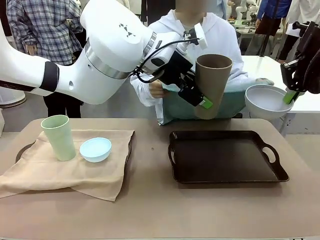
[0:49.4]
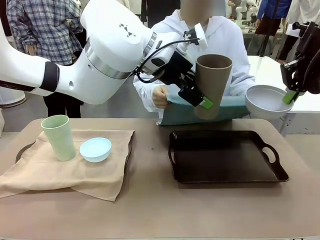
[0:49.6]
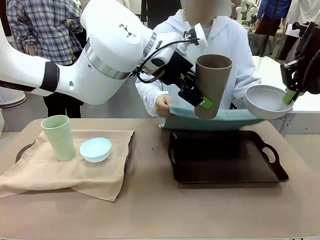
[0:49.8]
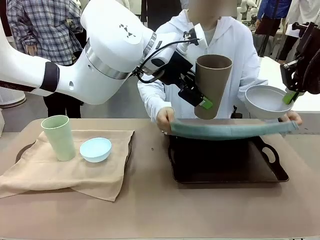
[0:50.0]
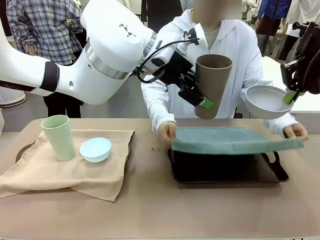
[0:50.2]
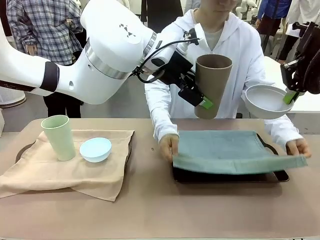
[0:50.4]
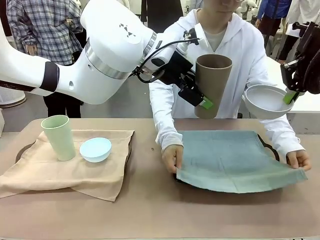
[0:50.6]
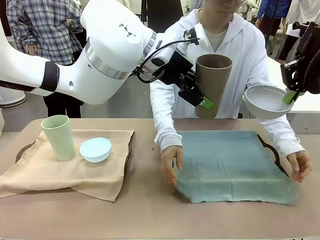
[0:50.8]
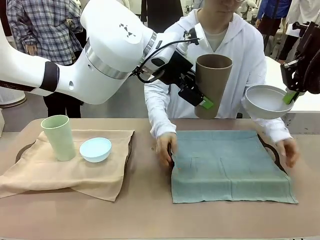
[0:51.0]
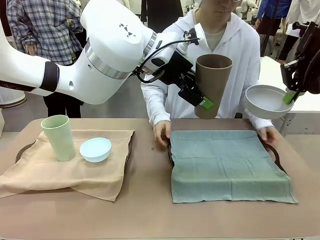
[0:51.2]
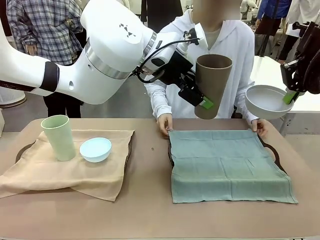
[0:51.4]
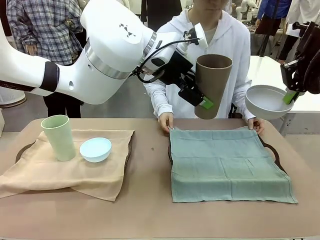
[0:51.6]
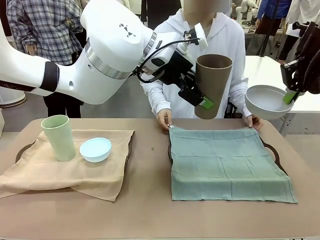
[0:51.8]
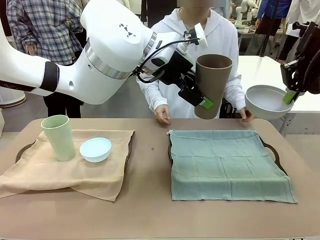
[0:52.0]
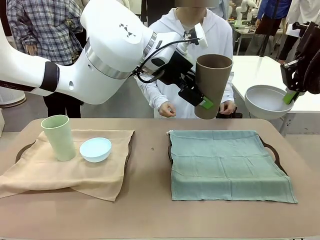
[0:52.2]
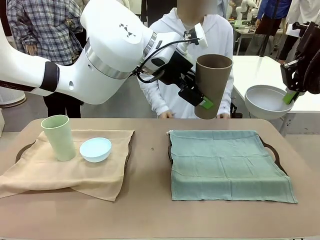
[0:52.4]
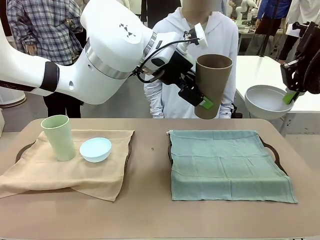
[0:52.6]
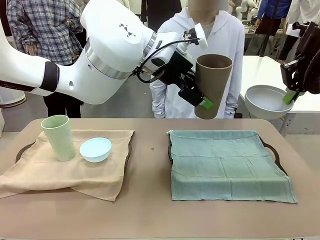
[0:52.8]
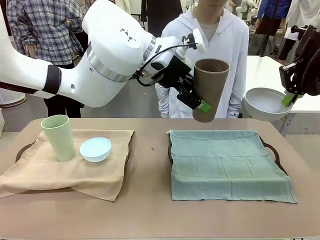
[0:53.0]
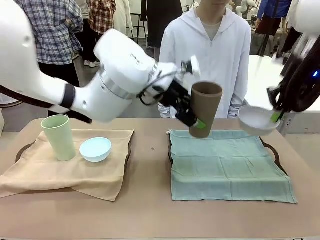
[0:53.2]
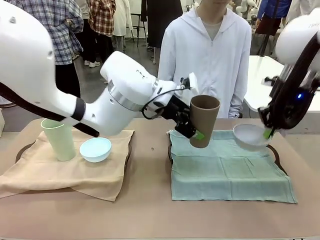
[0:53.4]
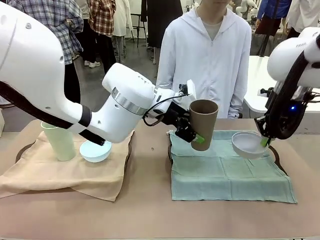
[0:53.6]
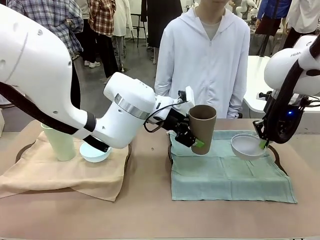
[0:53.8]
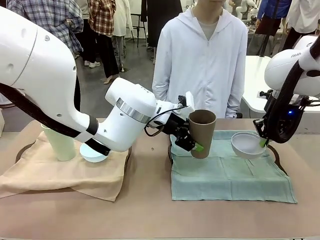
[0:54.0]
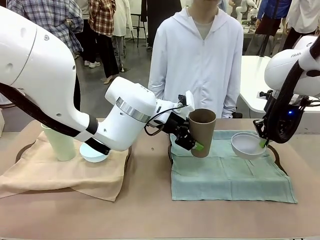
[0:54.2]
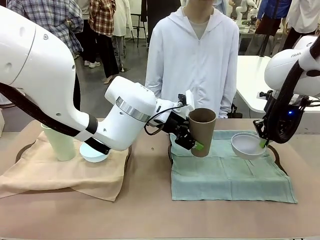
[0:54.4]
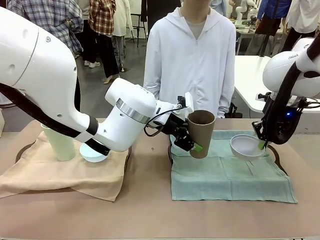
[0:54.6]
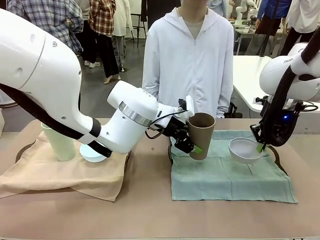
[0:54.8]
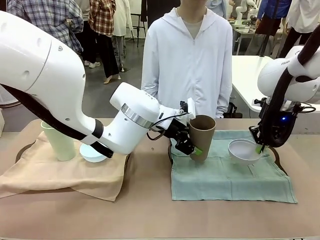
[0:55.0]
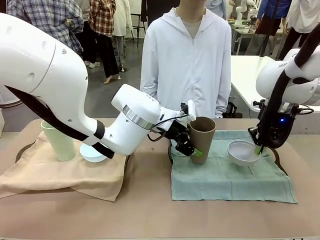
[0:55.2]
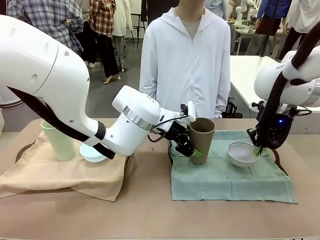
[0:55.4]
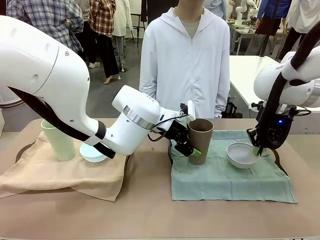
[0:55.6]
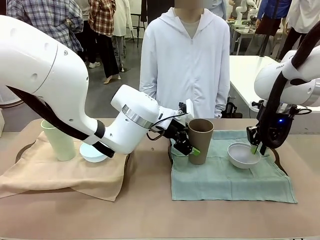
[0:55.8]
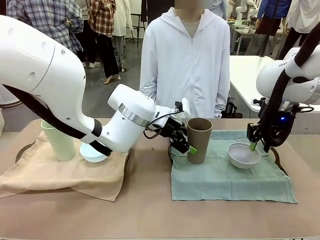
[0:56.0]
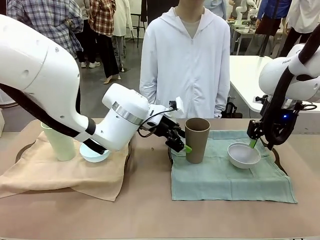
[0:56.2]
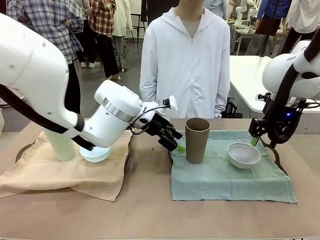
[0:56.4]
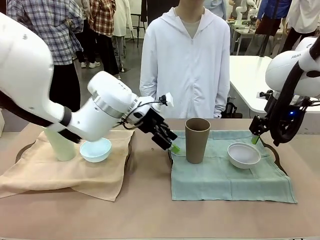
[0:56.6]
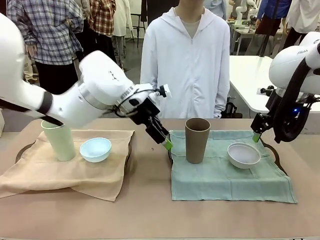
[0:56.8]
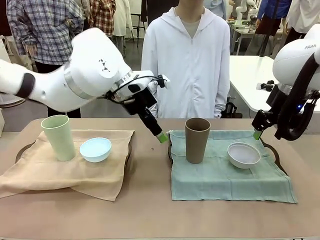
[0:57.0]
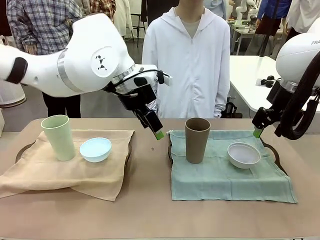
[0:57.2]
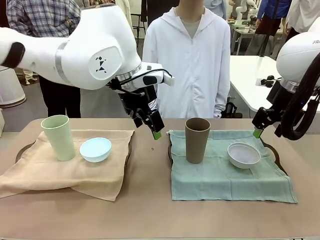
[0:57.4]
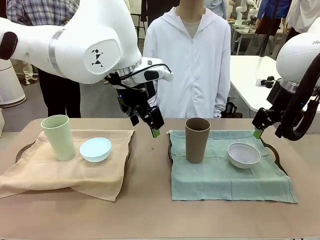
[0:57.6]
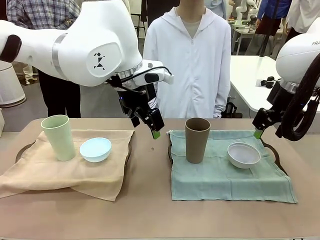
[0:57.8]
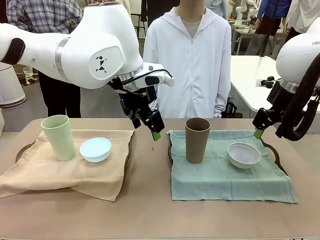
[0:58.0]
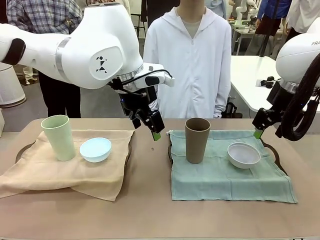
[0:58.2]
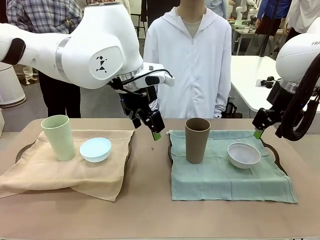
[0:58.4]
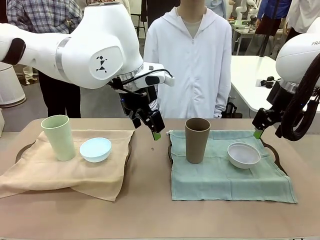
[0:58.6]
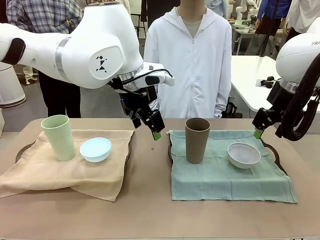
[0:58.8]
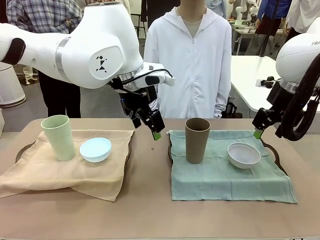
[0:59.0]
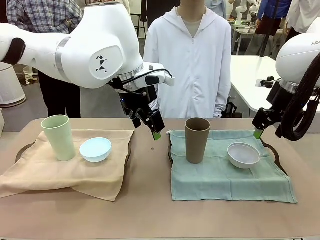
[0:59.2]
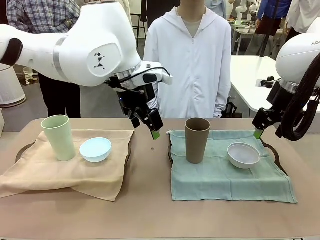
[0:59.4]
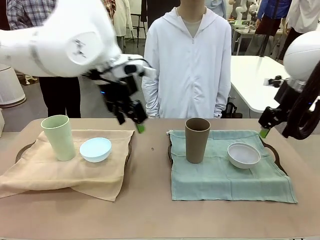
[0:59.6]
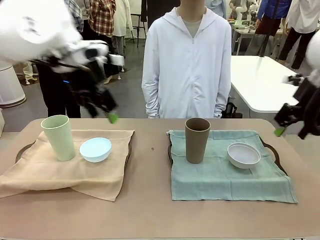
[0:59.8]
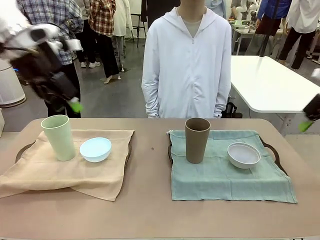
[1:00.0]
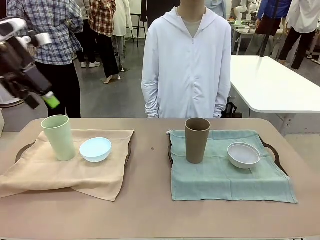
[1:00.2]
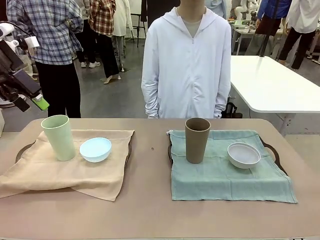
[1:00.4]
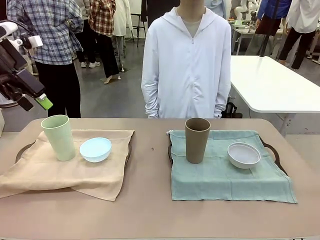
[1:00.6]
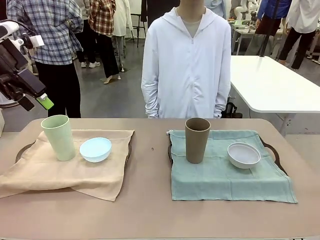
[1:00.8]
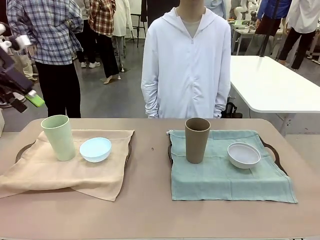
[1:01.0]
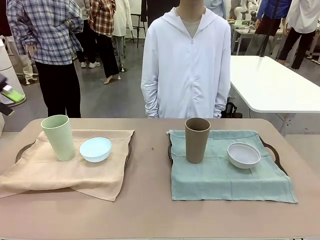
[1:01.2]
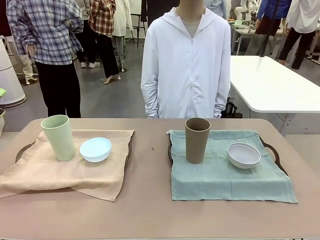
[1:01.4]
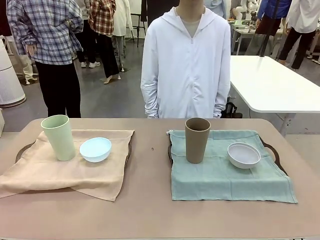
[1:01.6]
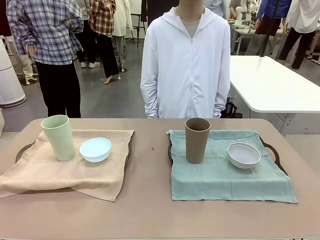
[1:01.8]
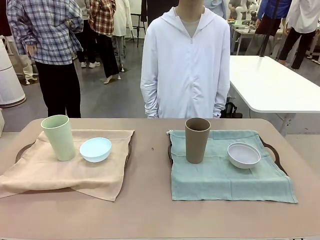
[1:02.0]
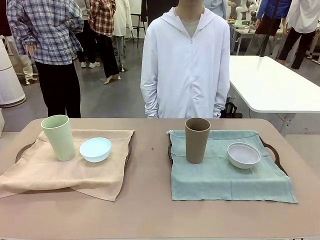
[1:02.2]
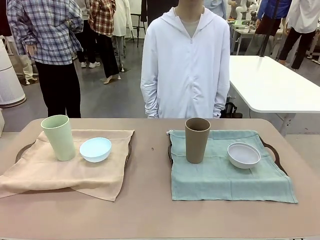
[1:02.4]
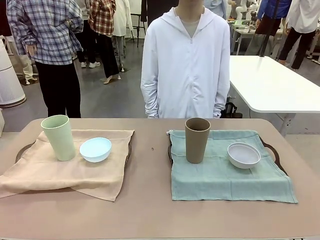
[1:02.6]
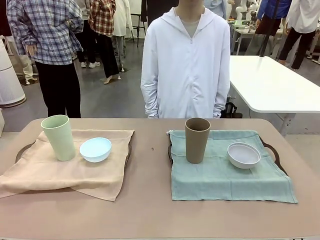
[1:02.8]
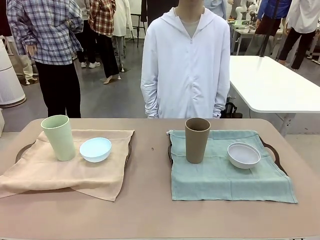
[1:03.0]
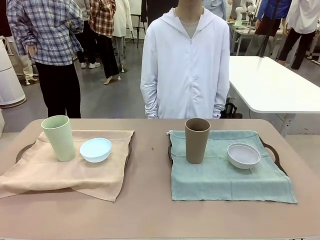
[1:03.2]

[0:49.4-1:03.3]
Robot: Place the Picnic Bowl and Reusable plastic cup back onto the Handle tray in front of the human's position.

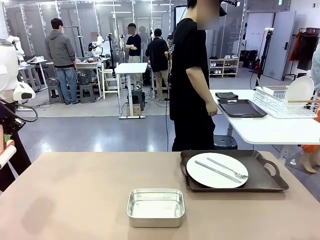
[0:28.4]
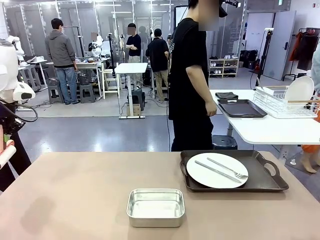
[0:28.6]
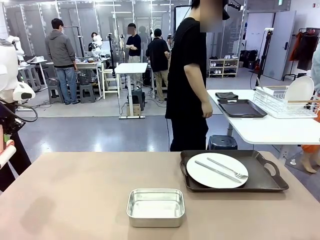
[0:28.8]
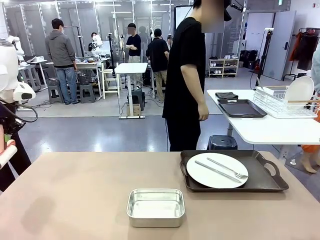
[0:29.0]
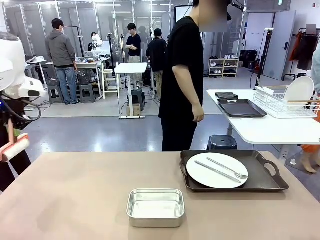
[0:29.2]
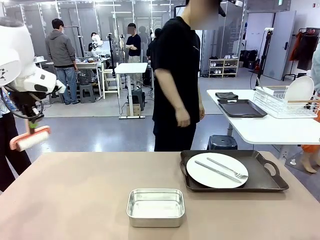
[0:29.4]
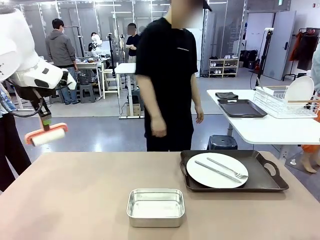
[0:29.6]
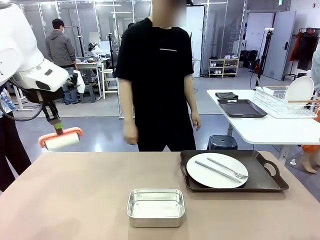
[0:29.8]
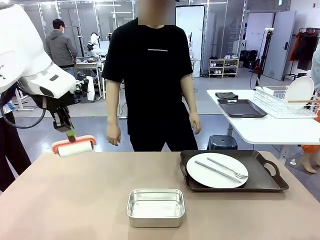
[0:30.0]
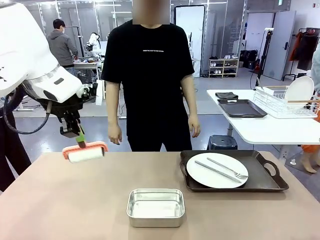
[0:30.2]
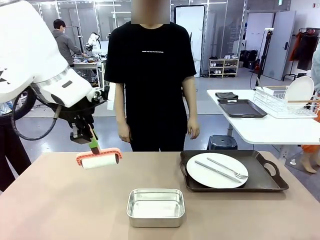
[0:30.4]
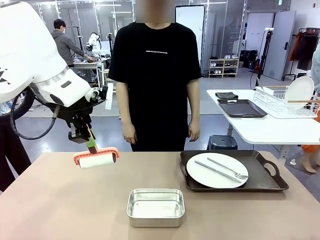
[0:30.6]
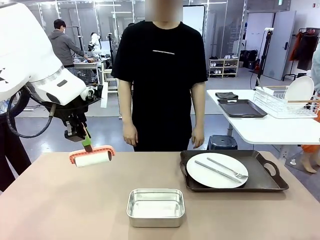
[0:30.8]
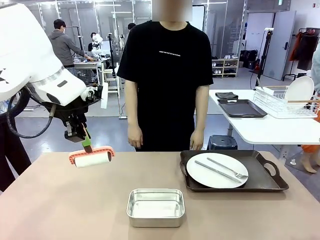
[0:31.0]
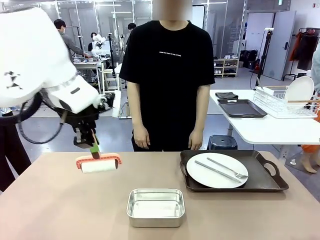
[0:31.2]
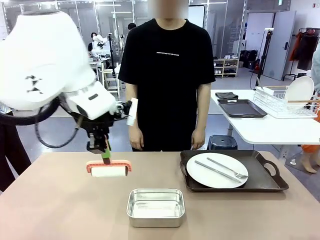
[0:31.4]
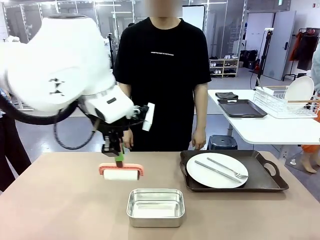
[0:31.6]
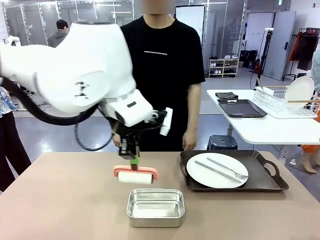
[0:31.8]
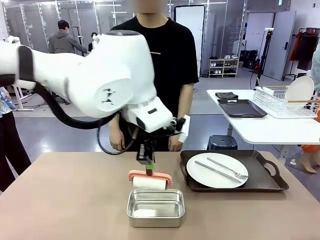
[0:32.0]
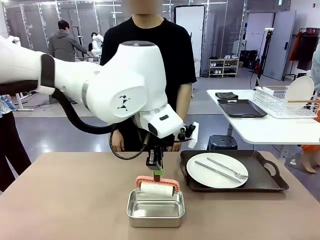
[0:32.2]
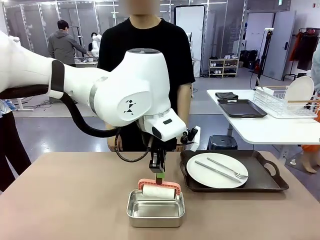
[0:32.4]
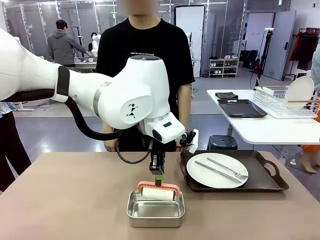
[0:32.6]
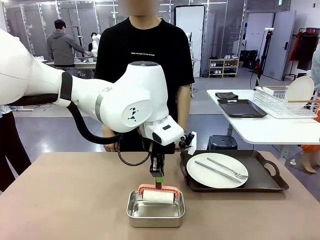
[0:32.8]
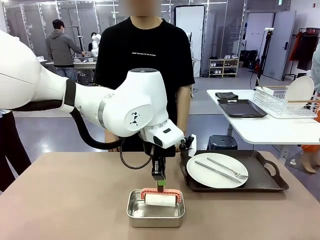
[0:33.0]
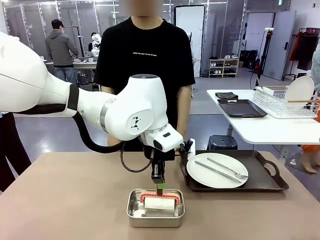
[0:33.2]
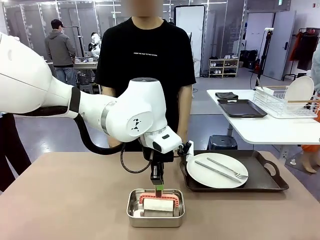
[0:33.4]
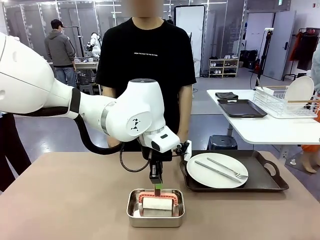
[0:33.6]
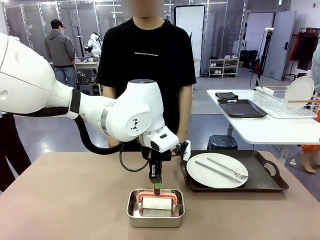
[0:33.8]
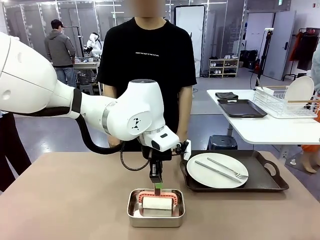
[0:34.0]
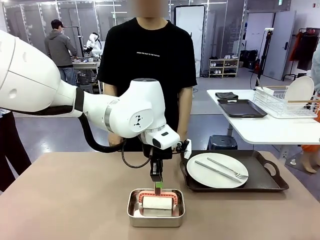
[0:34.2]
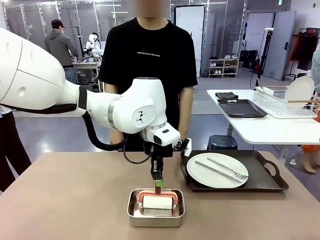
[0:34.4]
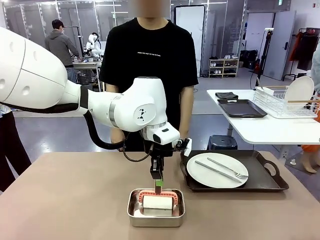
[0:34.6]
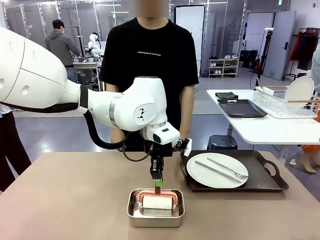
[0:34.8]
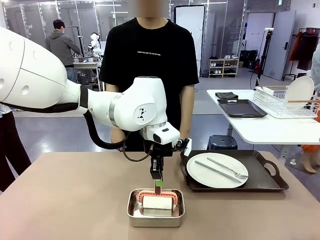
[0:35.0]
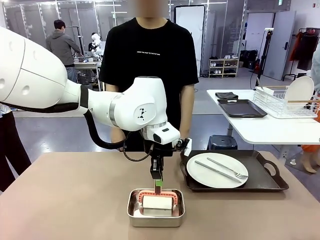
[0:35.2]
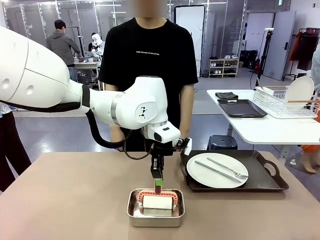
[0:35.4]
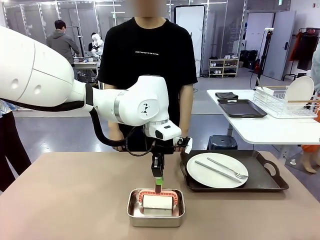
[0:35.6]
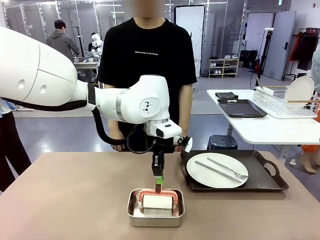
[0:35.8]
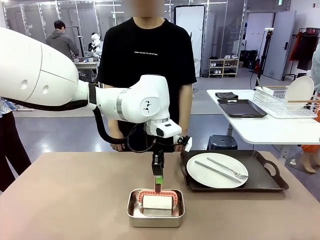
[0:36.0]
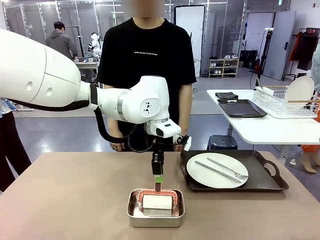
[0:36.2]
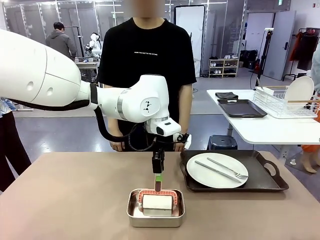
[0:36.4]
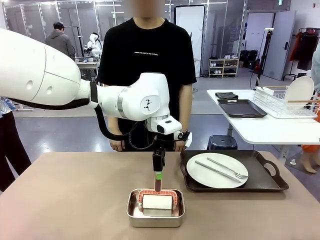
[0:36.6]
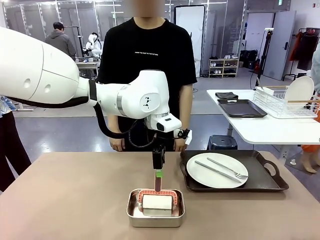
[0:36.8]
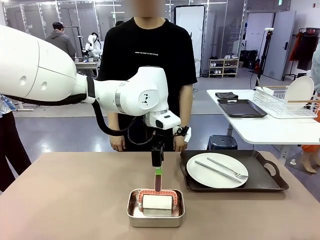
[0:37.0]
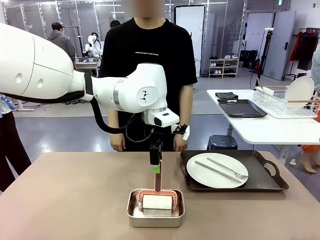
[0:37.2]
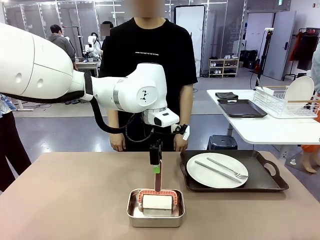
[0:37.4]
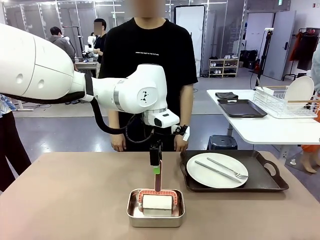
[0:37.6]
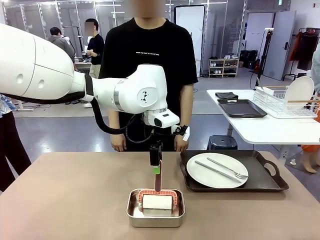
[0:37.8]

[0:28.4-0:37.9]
Robot: Place the Lint Roller back on top of the Airtight Container.
Person: Pick up the left (or right) Handle tray and place it on the Handle tray.
